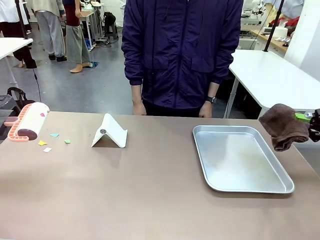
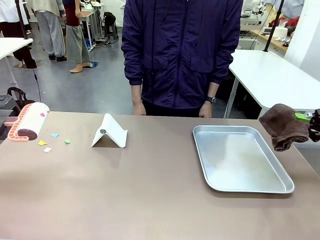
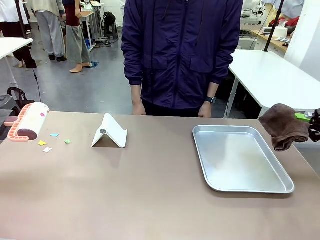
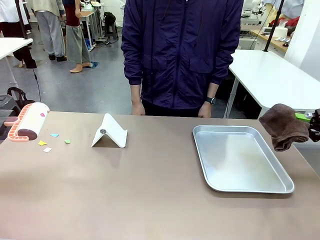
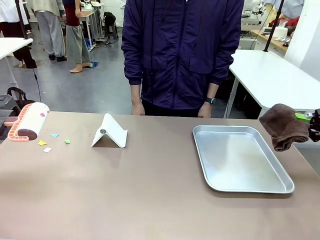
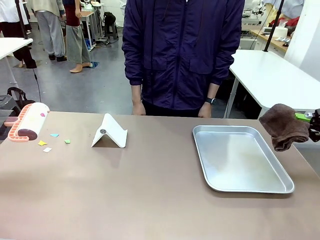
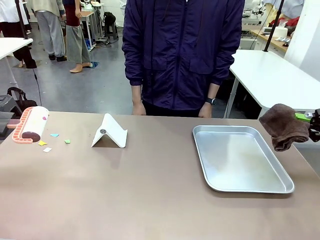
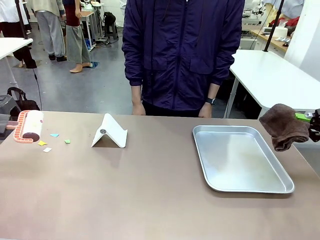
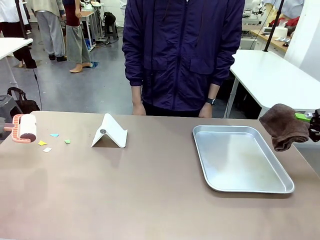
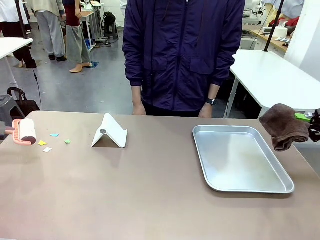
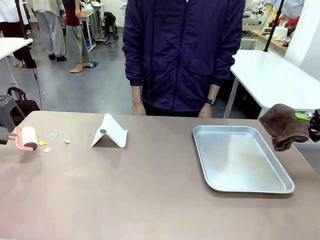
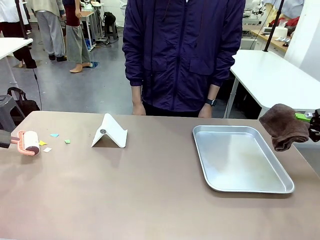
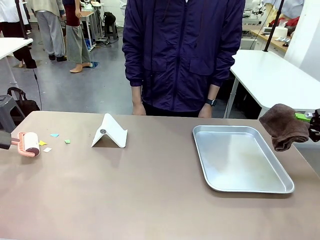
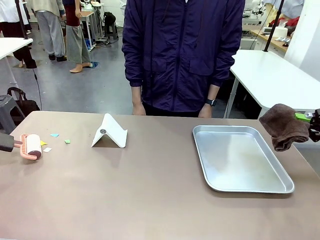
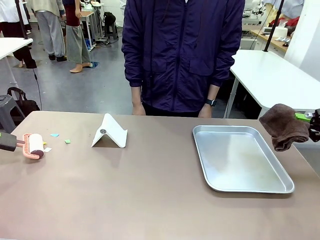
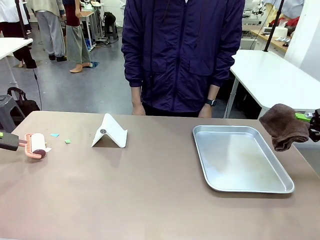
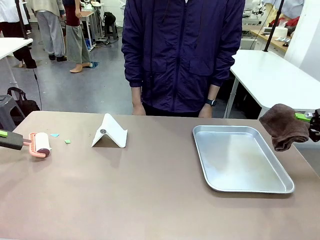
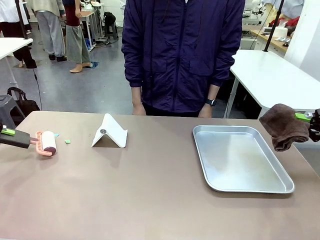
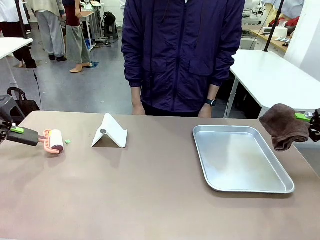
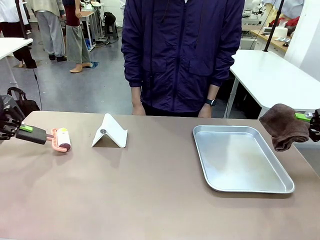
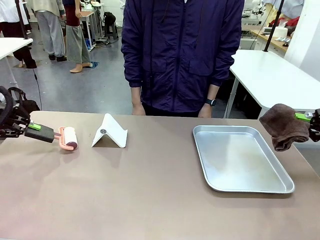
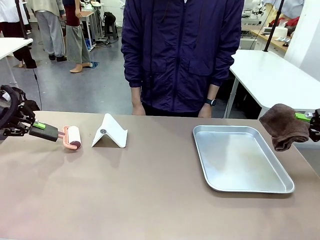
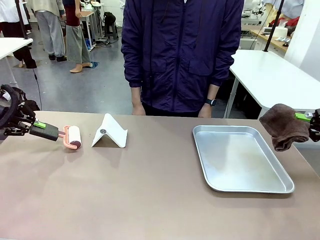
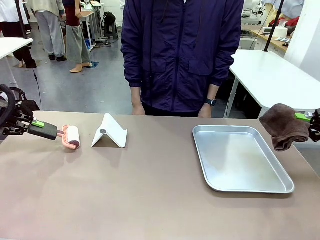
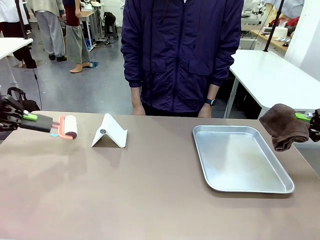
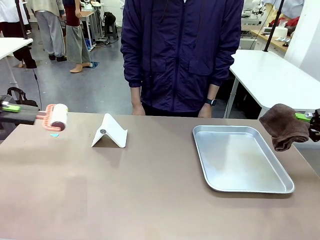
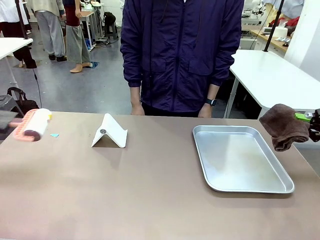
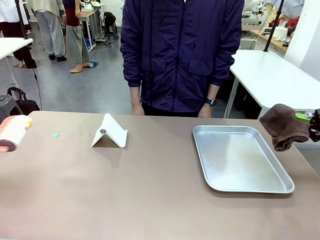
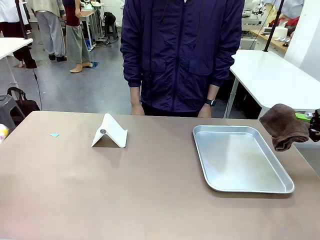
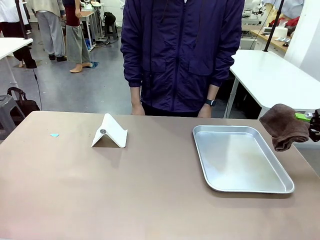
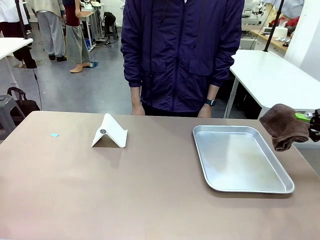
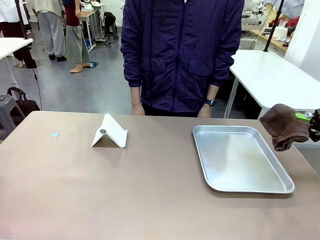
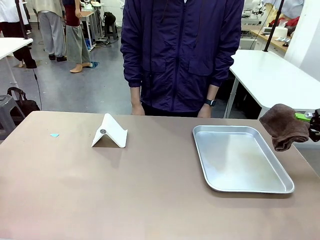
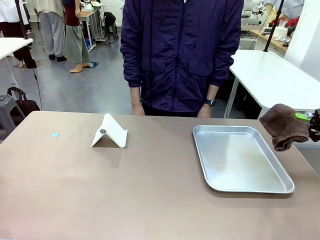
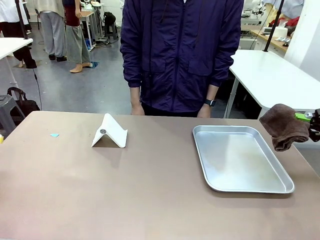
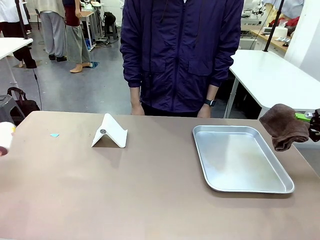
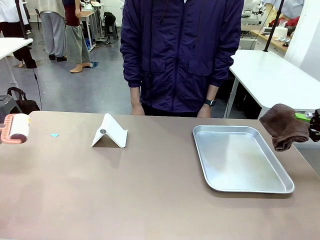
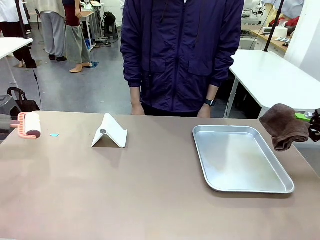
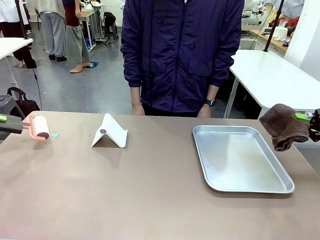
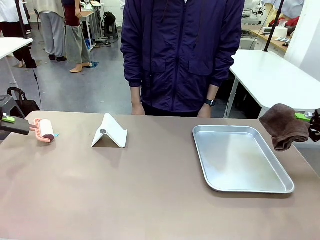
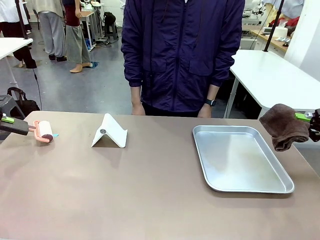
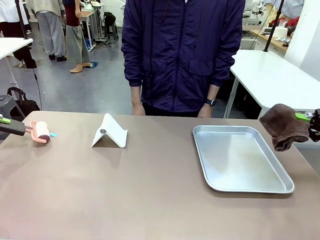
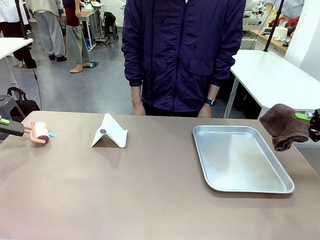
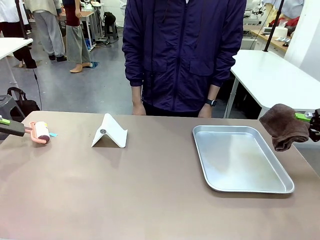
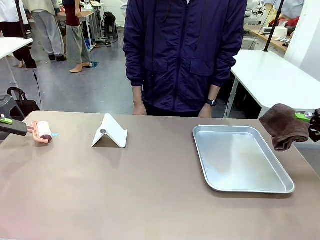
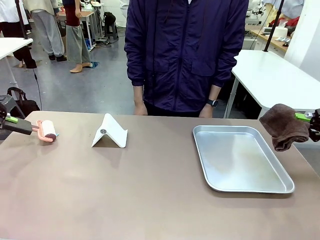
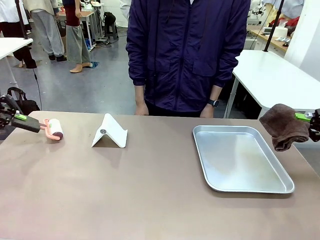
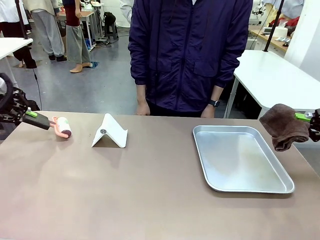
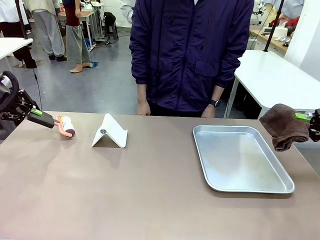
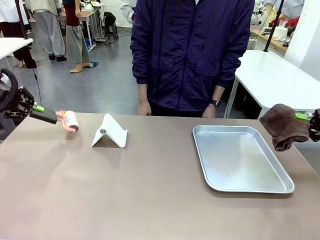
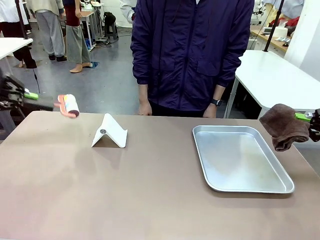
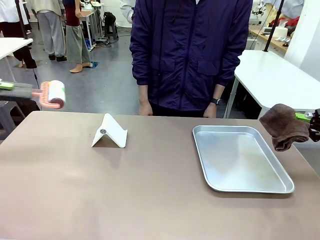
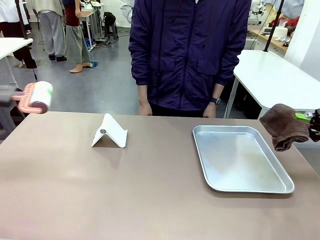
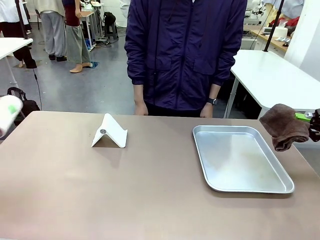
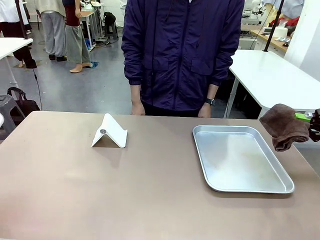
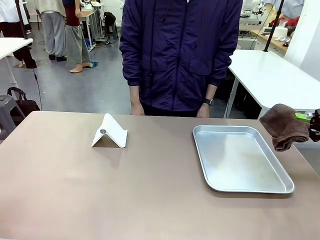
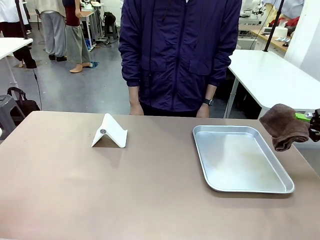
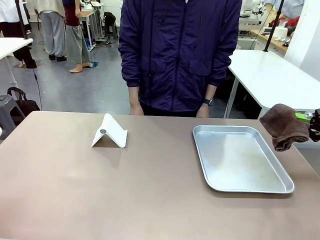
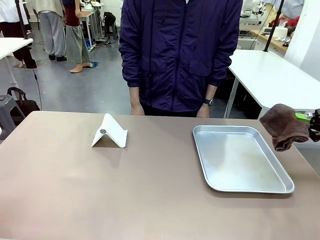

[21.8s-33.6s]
Task: Clean the surface of the table.
Robot: Clean the area not pointed to by the person.

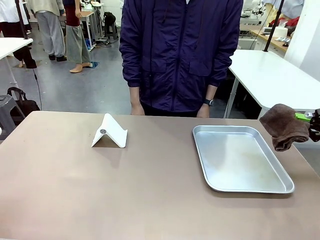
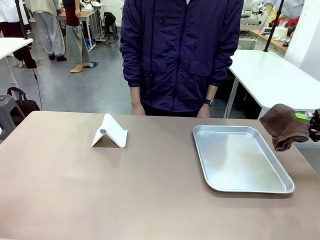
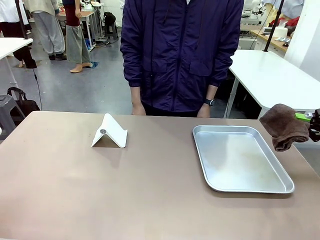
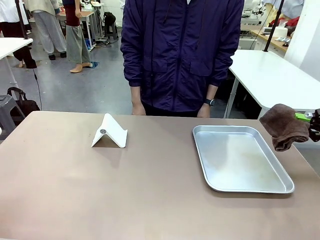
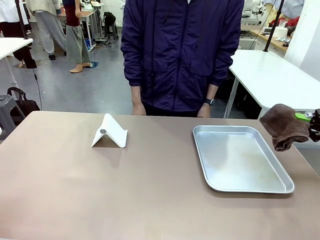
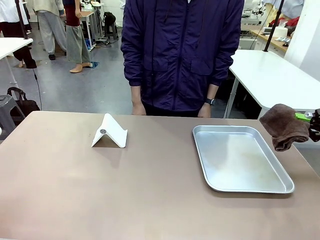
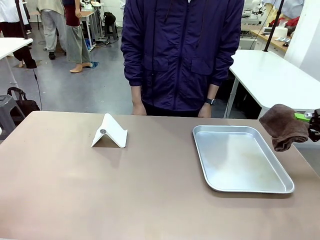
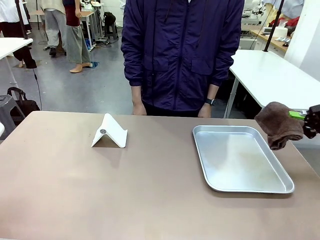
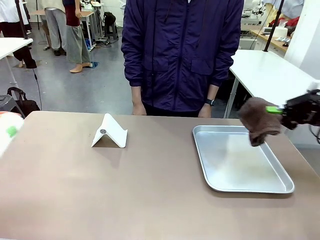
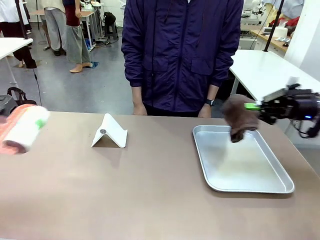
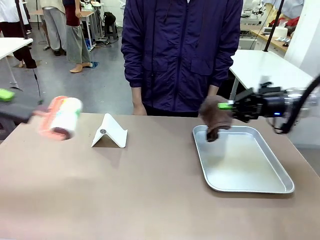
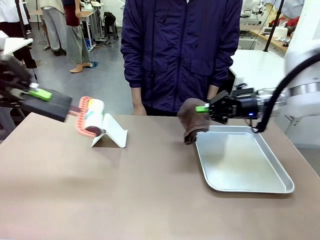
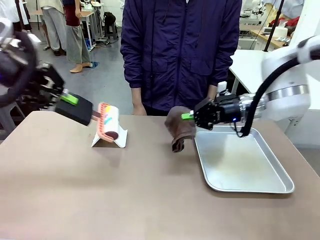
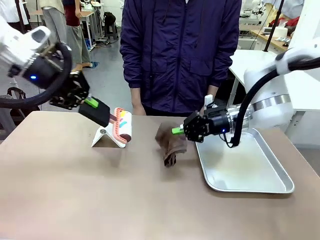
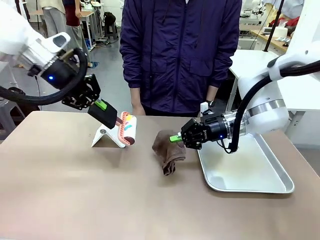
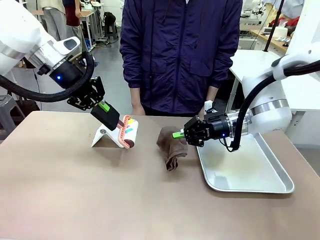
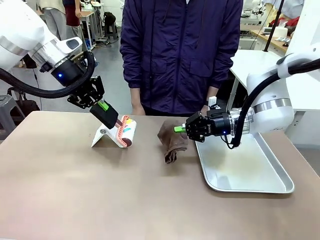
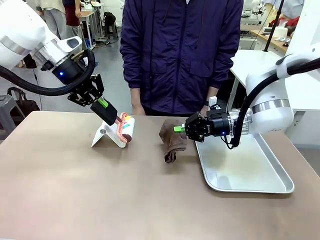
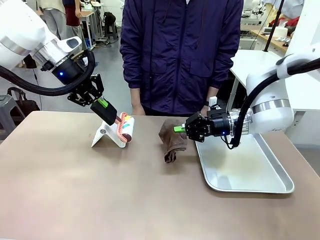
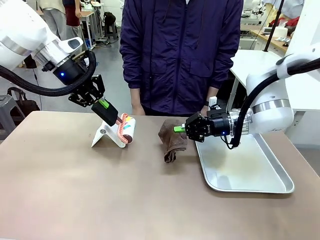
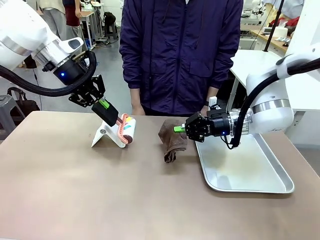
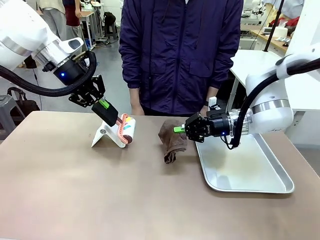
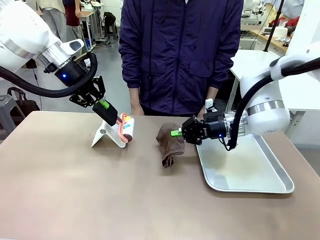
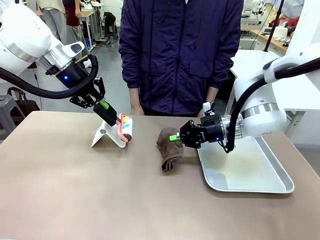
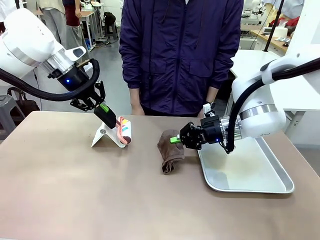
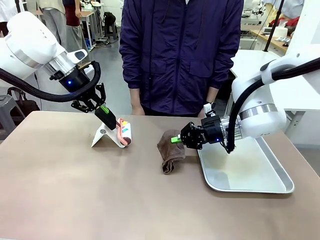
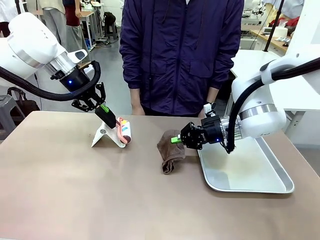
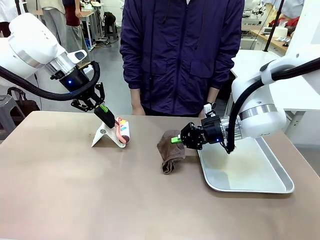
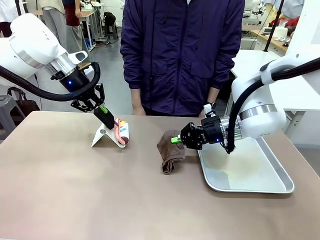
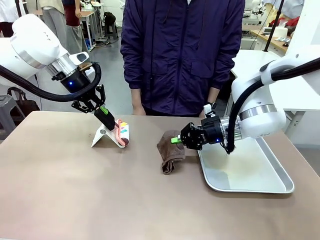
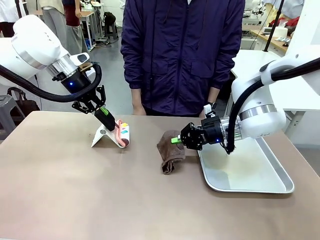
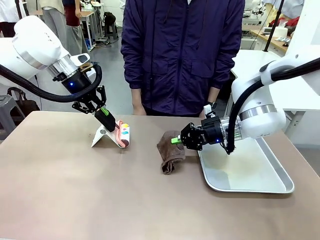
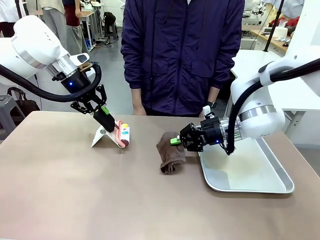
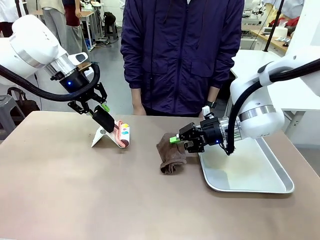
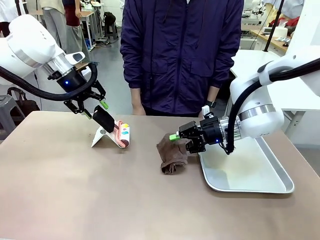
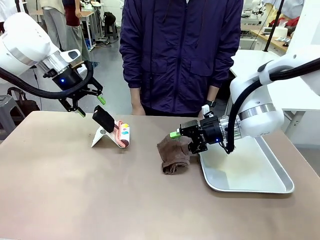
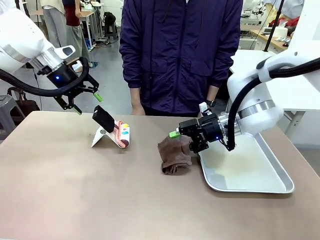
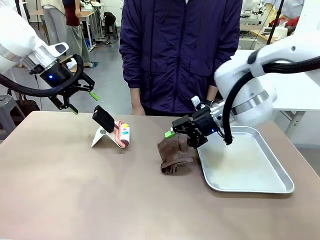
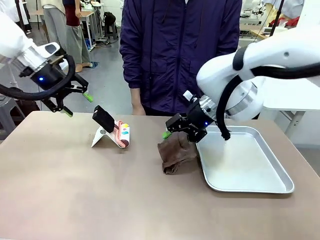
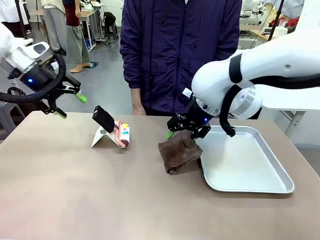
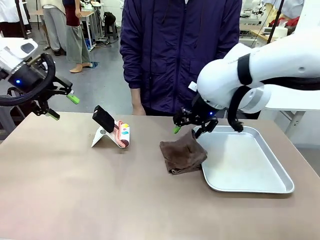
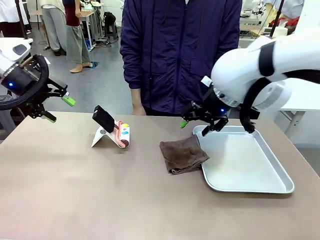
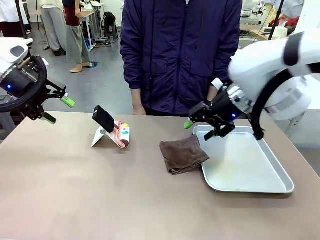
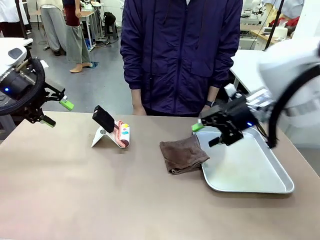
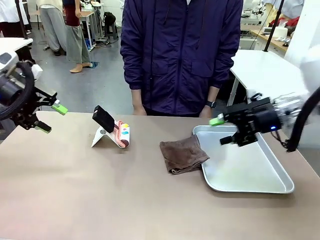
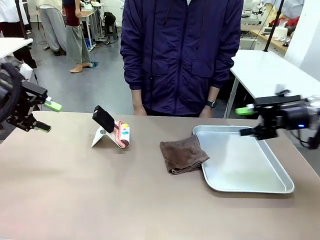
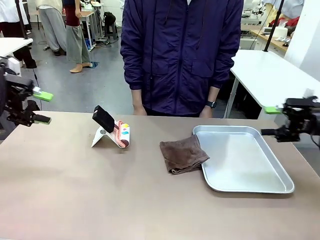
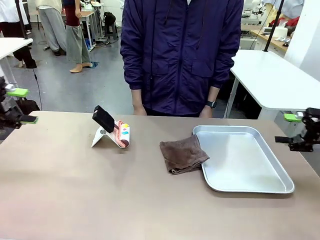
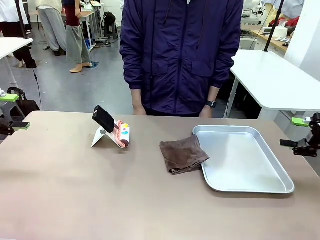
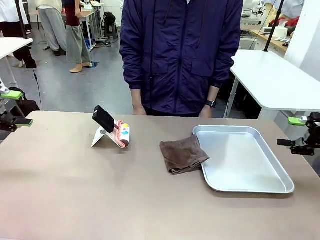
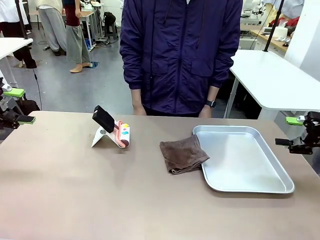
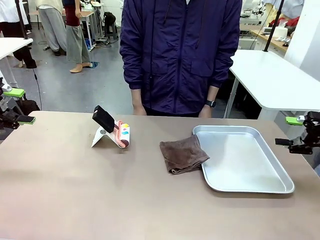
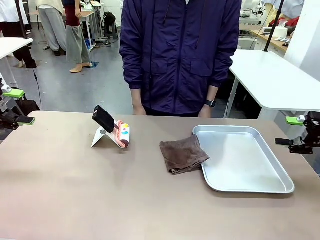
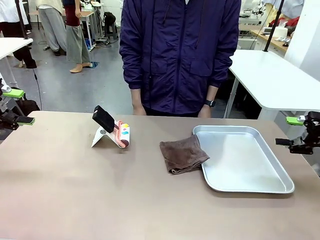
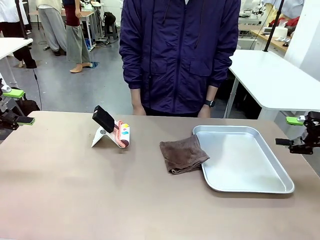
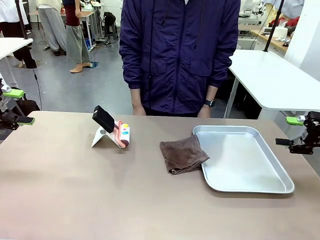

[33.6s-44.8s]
Robot: Return the Lint Roller and towel to their original positions.
